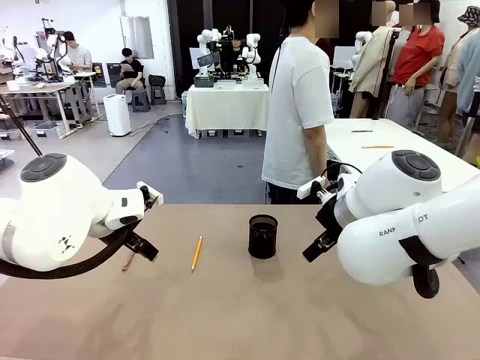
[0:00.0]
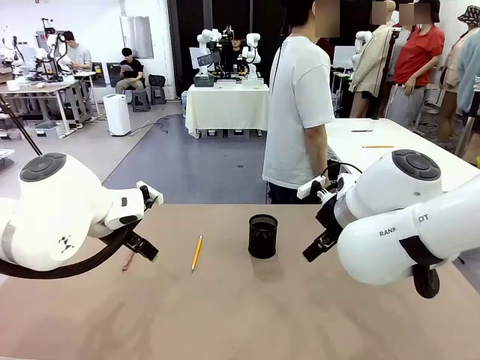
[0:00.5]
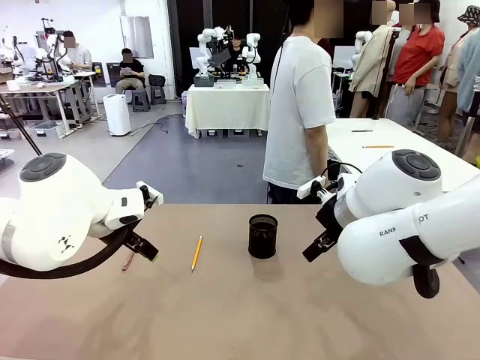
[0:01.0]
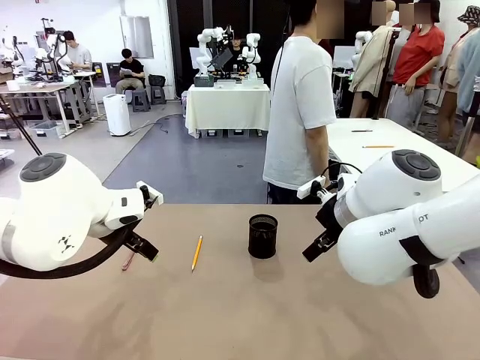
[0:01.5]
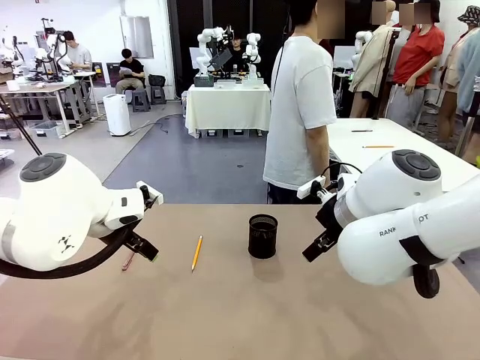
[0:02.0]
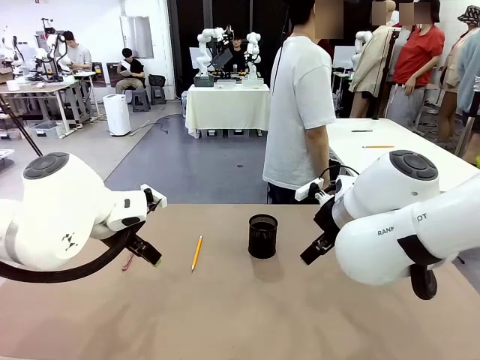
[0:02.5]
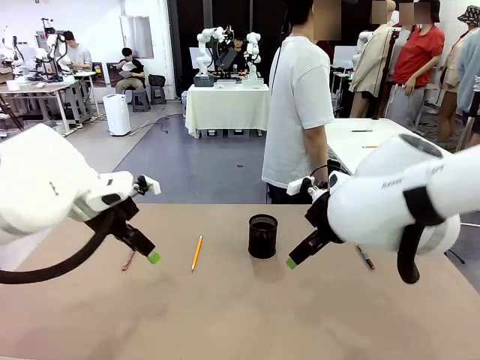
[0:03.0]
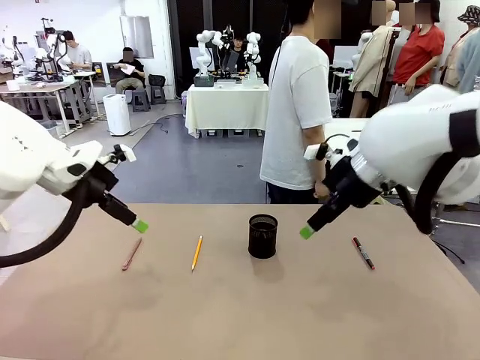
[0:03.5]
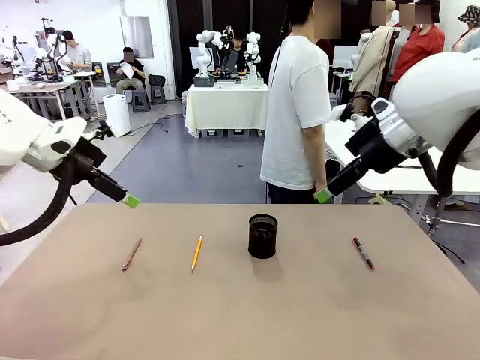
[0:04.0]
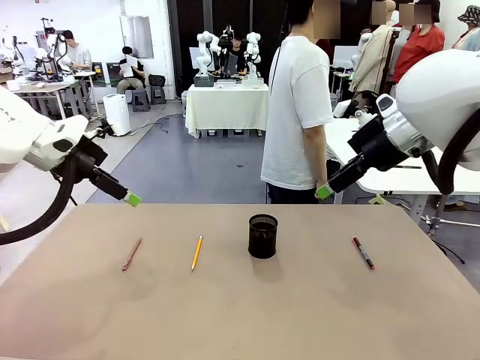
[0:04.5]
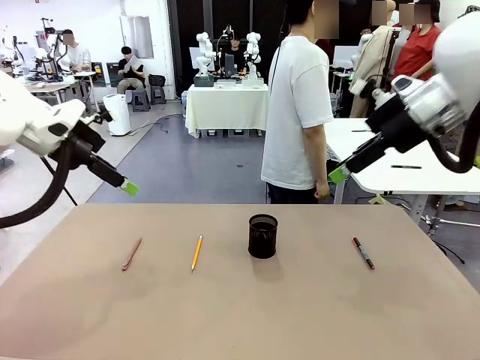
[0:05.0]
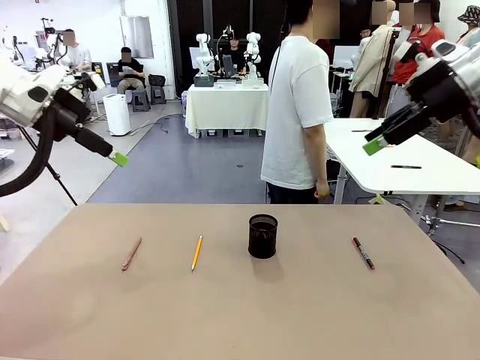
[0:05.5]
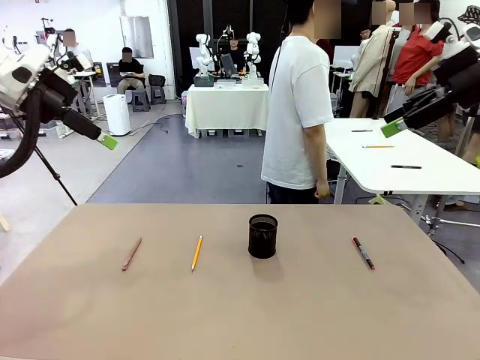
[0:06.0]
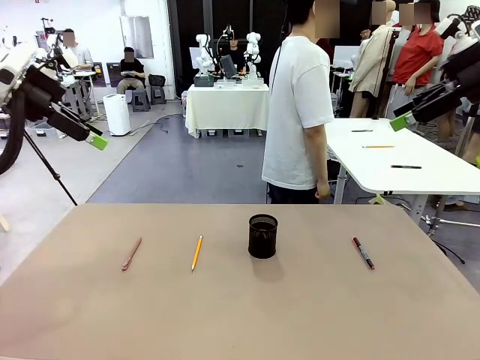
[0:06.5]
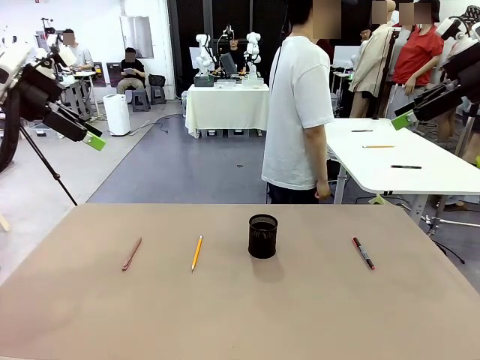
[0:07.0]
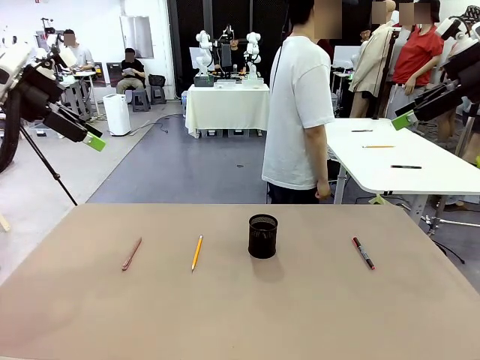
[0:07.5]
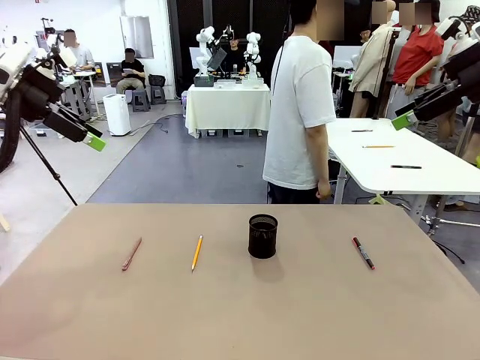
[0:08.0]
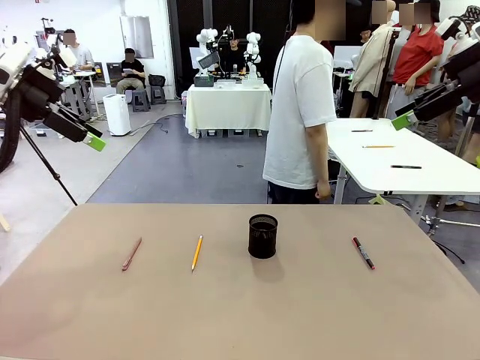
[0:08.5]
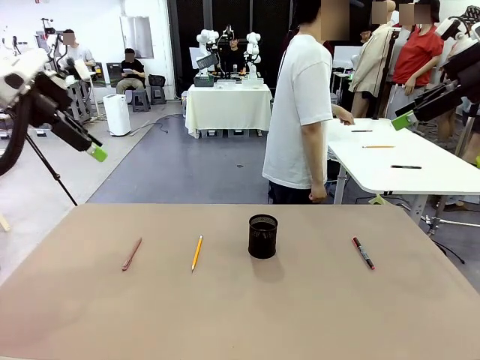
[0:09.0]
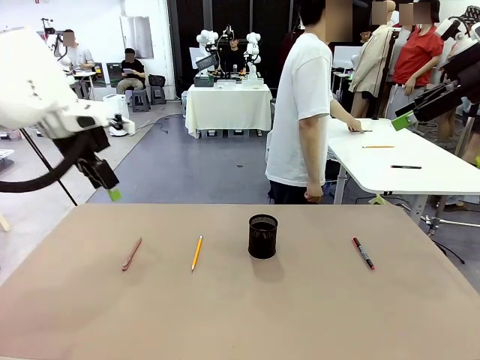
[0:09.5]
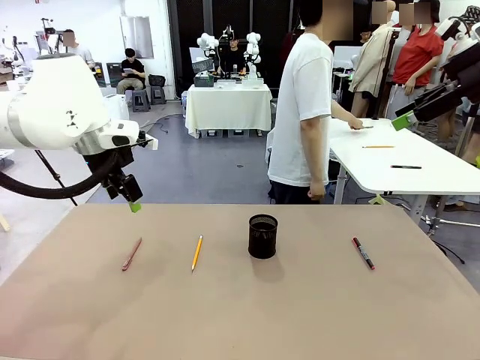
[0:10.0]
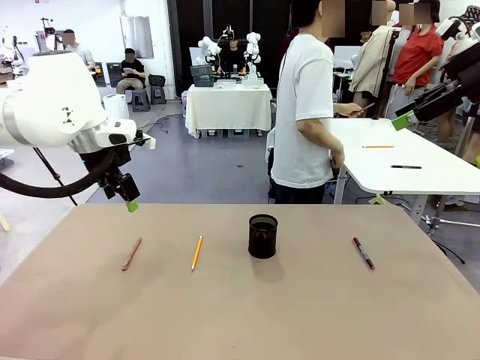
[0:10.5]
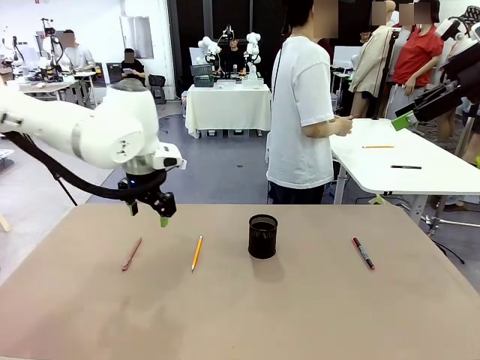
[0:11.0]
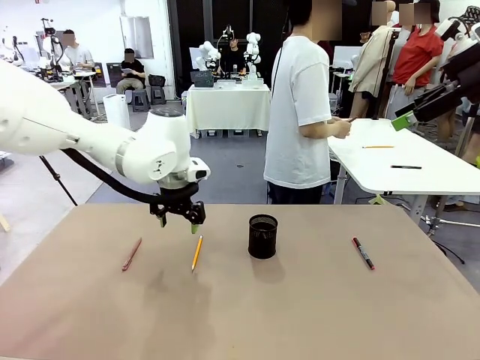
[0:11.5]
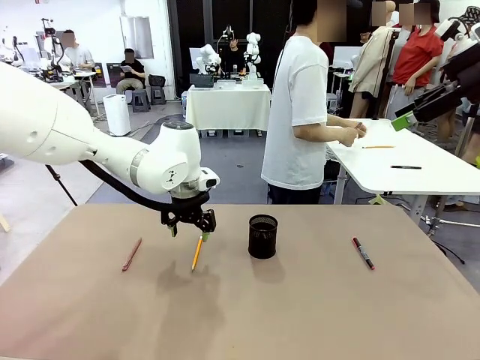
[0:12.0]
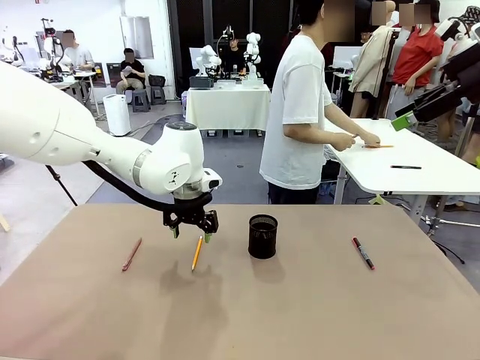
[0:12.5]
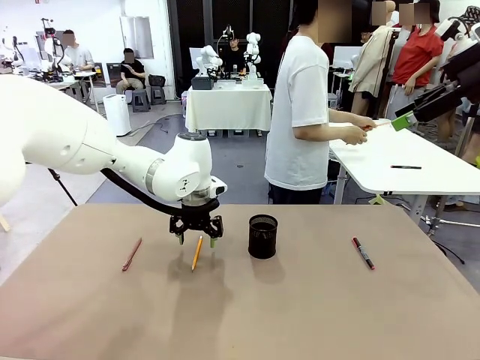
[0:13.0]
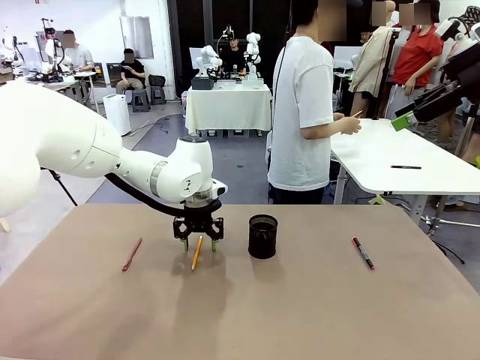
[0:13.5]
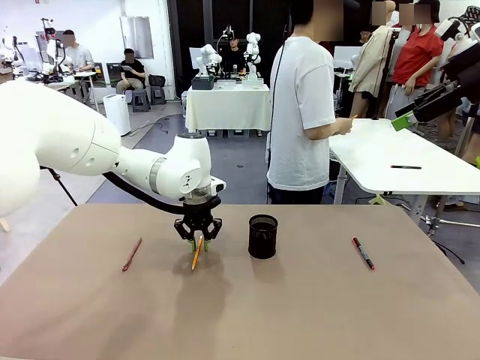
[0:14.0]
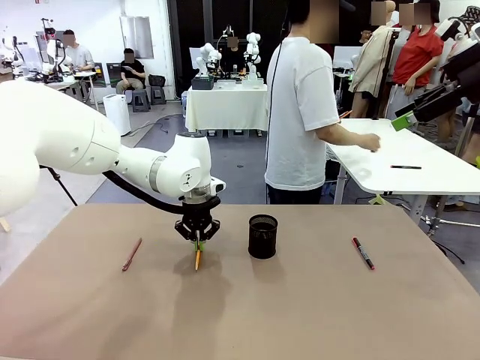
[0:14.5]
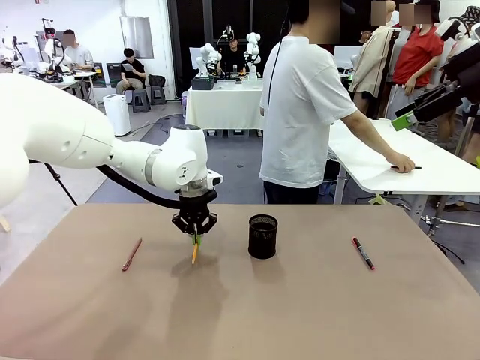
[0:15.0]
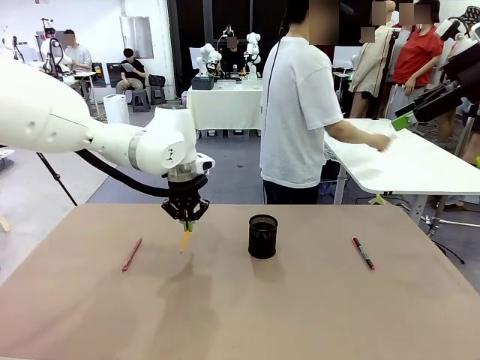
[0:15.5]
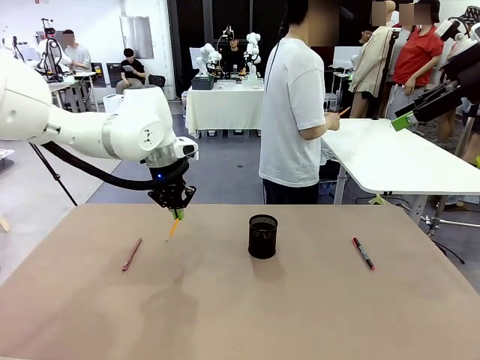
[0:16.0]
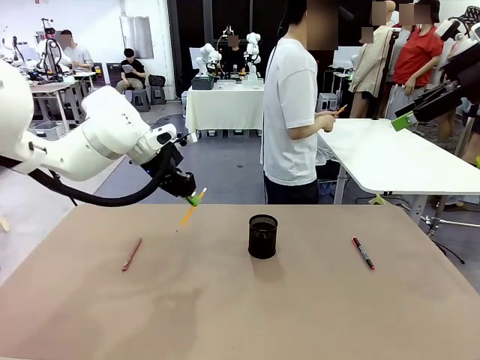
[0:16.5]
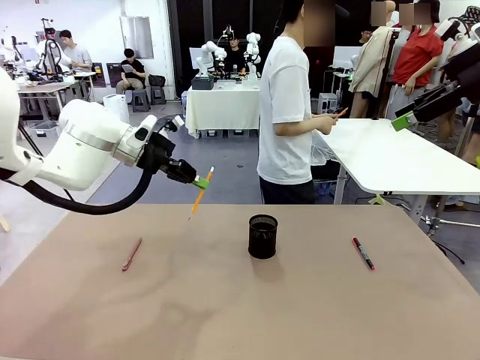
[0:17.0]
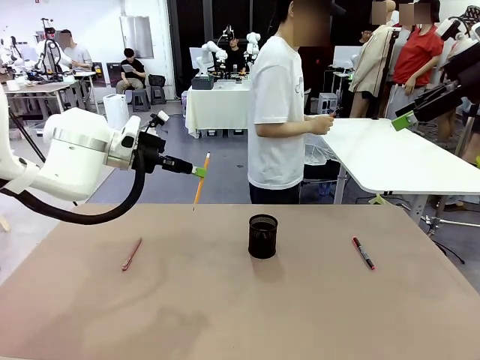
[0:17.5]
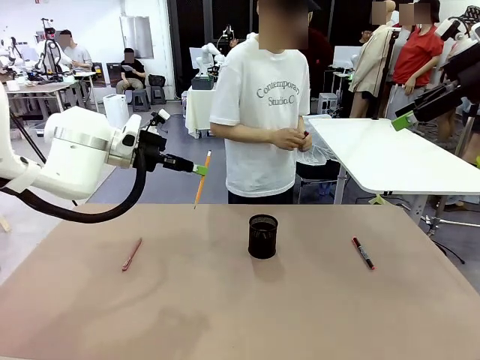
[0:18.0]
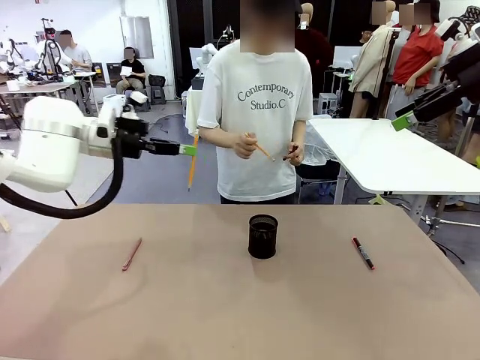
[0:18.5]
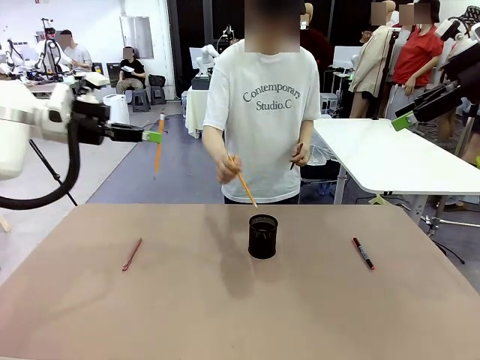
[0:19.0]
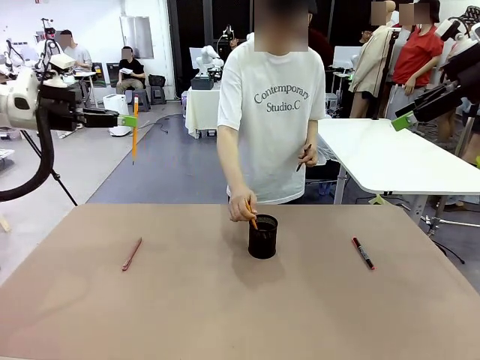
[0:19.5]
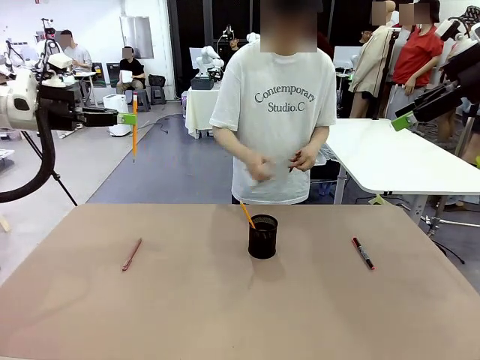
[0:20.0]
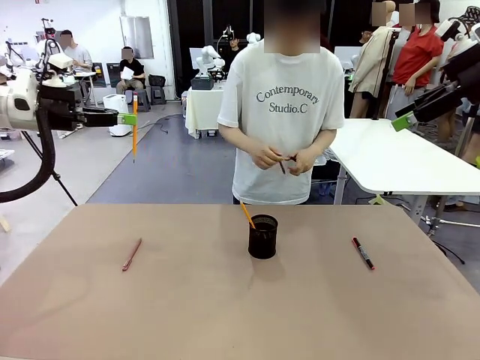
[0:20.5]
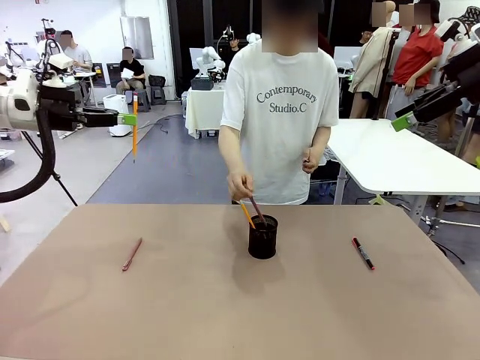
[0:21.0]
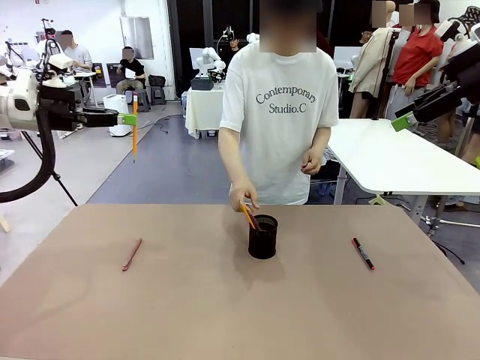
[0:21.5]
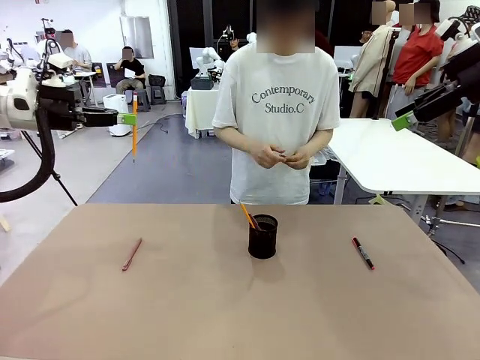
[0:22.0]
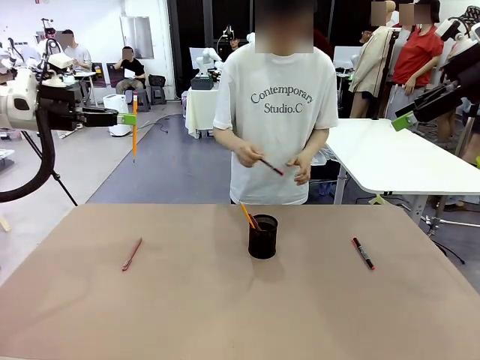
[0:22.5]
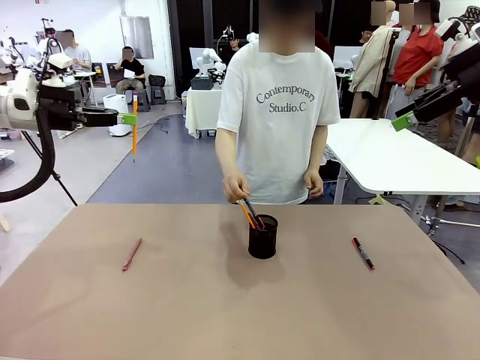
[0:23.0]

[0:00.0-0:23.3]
Task: Place the pens into the pen holder.
Robot: Pick up a writing instrument from the table and place it into the Pen holder.
Person: Pick up all writing instruments from the Human table.
